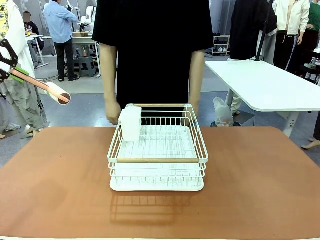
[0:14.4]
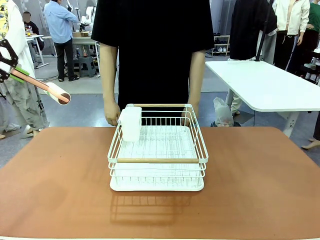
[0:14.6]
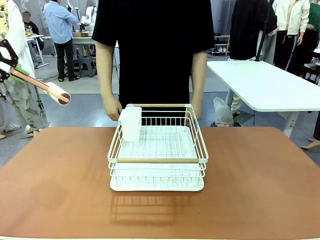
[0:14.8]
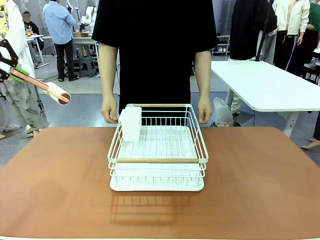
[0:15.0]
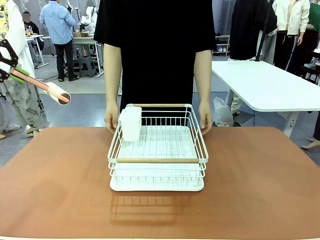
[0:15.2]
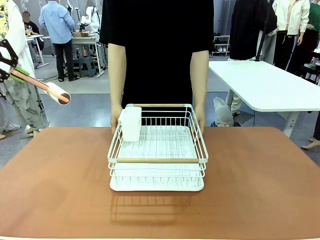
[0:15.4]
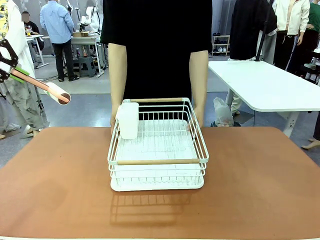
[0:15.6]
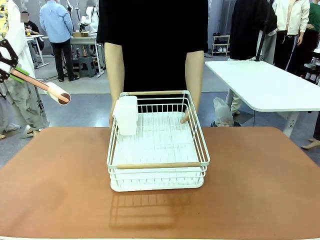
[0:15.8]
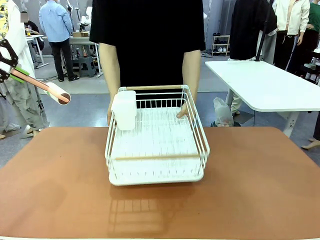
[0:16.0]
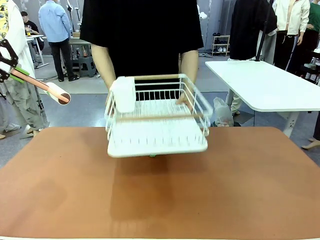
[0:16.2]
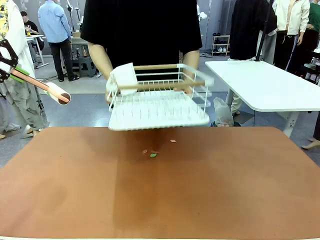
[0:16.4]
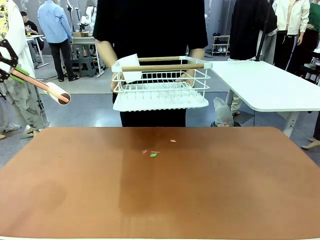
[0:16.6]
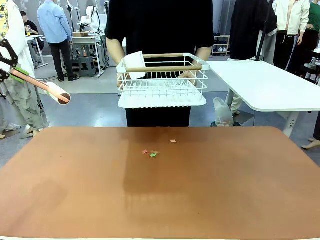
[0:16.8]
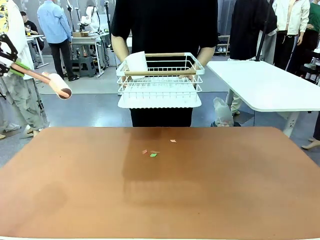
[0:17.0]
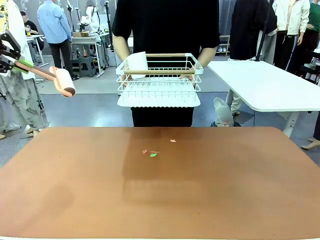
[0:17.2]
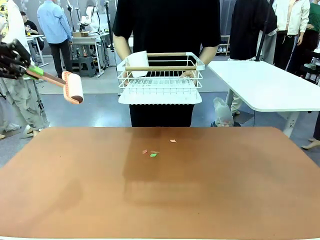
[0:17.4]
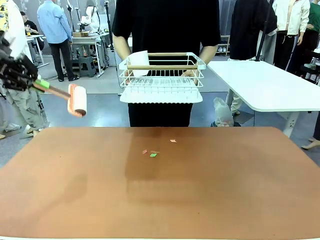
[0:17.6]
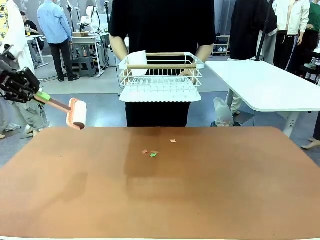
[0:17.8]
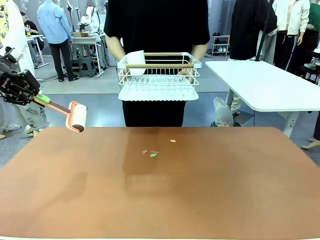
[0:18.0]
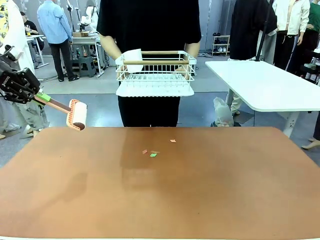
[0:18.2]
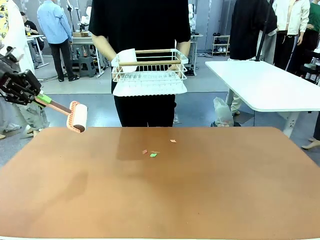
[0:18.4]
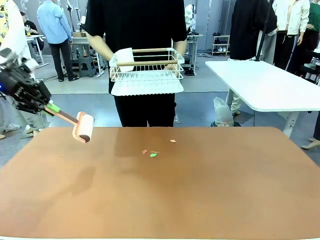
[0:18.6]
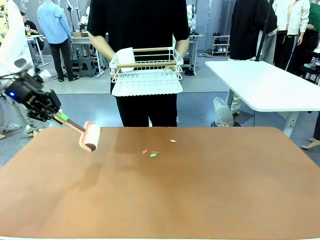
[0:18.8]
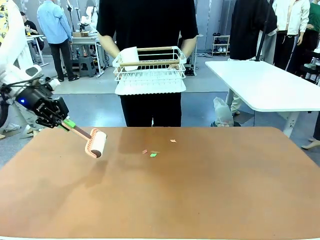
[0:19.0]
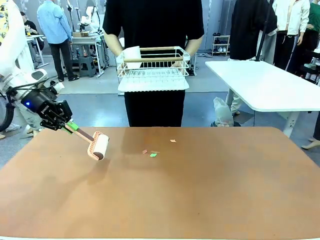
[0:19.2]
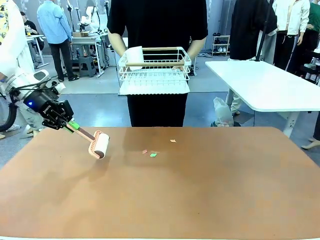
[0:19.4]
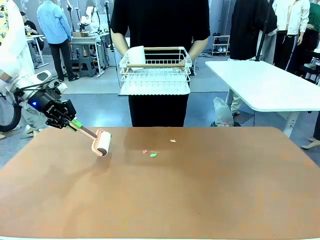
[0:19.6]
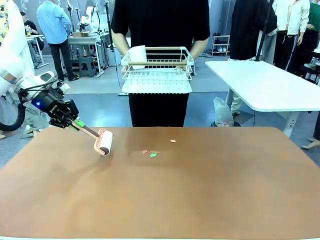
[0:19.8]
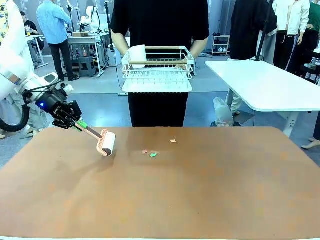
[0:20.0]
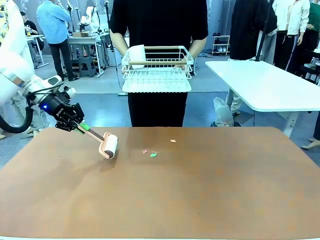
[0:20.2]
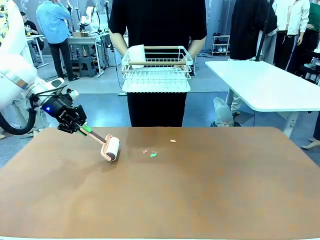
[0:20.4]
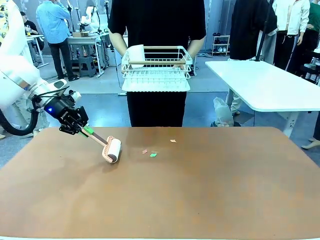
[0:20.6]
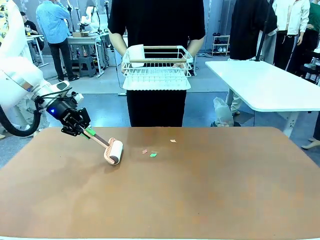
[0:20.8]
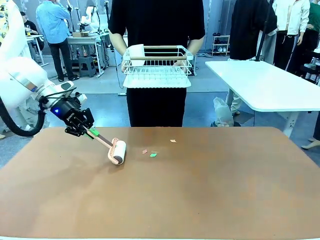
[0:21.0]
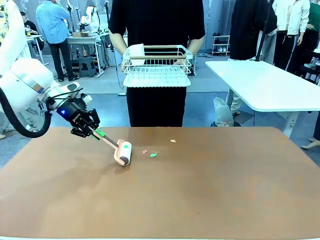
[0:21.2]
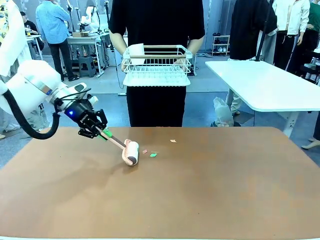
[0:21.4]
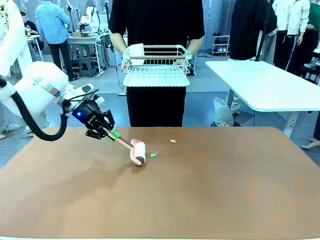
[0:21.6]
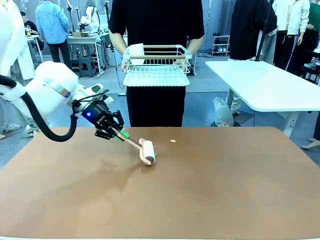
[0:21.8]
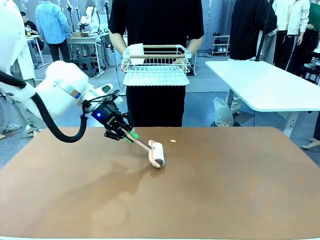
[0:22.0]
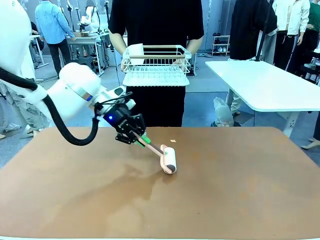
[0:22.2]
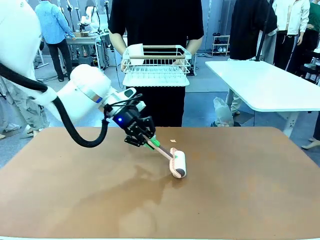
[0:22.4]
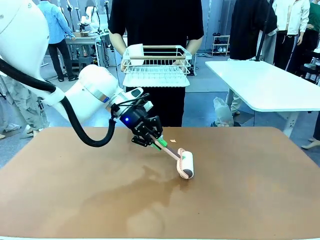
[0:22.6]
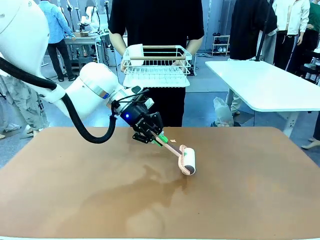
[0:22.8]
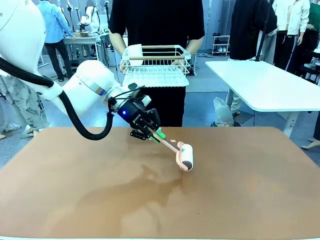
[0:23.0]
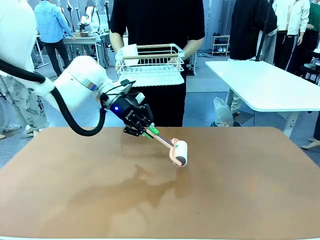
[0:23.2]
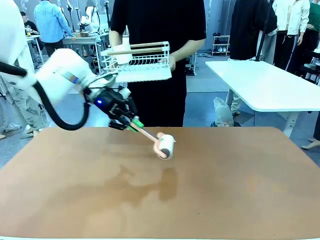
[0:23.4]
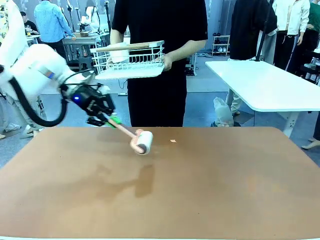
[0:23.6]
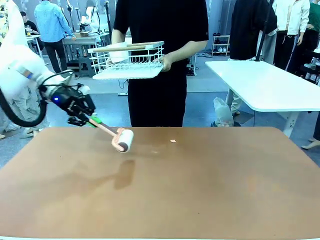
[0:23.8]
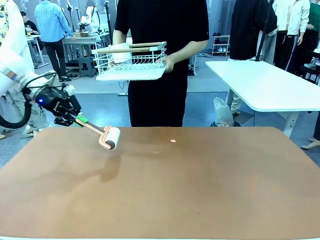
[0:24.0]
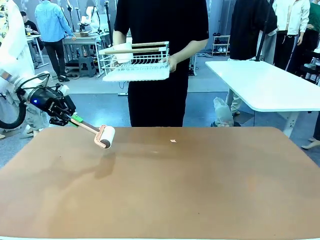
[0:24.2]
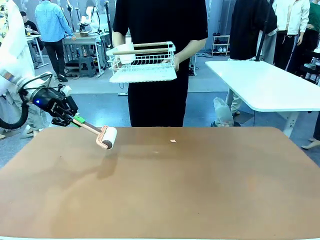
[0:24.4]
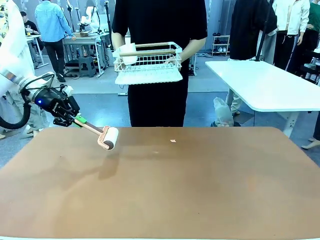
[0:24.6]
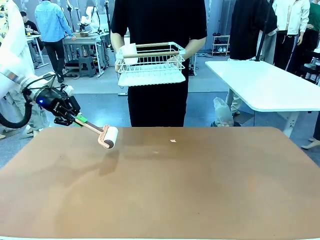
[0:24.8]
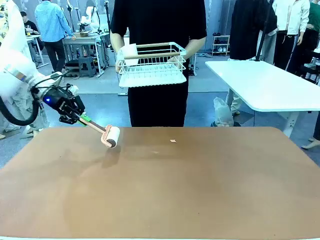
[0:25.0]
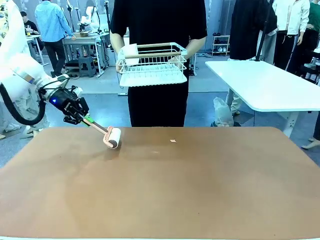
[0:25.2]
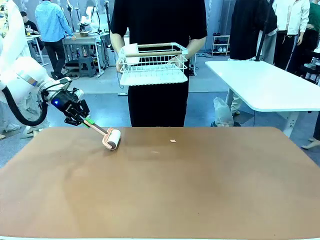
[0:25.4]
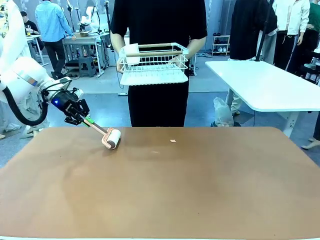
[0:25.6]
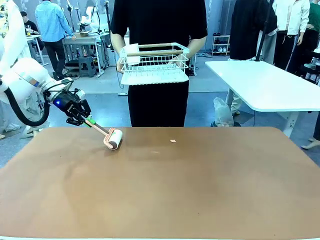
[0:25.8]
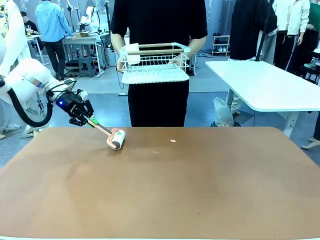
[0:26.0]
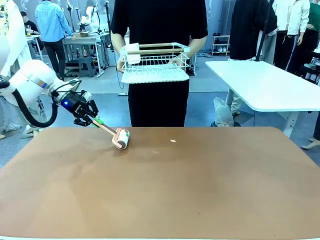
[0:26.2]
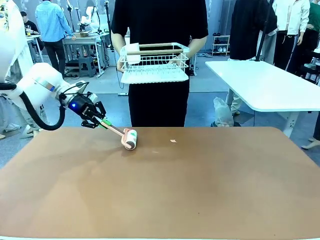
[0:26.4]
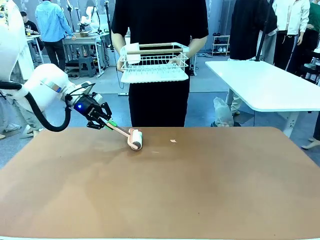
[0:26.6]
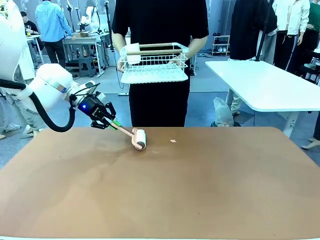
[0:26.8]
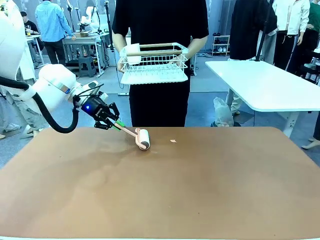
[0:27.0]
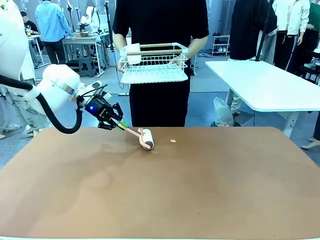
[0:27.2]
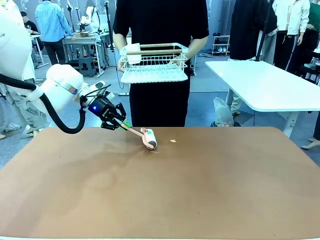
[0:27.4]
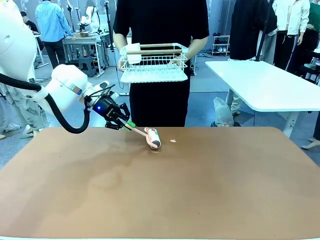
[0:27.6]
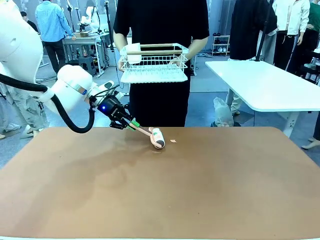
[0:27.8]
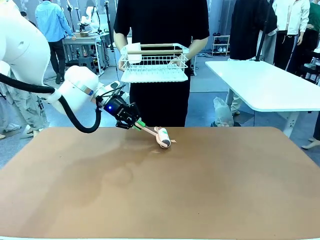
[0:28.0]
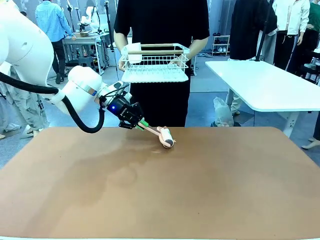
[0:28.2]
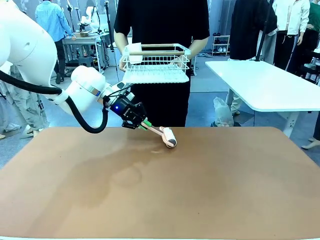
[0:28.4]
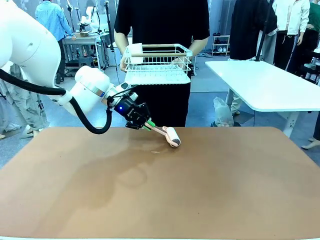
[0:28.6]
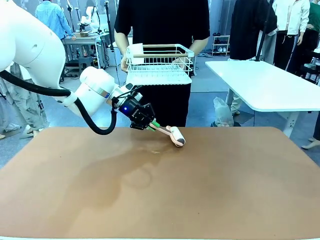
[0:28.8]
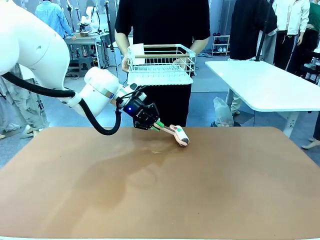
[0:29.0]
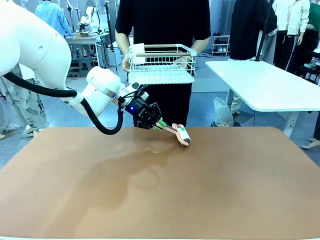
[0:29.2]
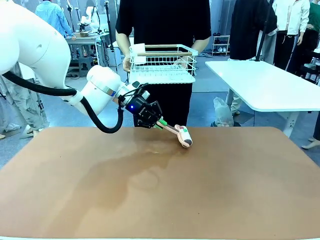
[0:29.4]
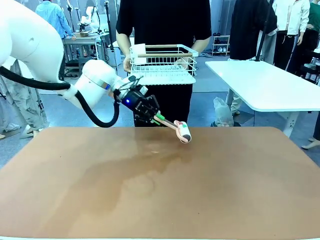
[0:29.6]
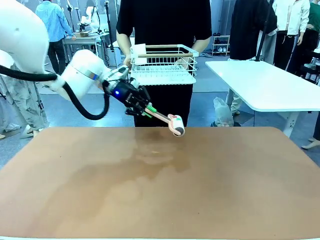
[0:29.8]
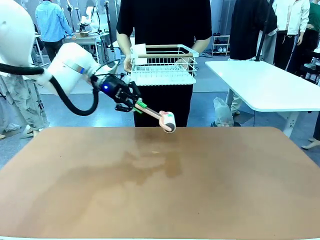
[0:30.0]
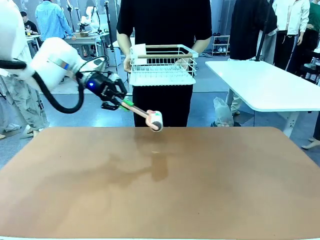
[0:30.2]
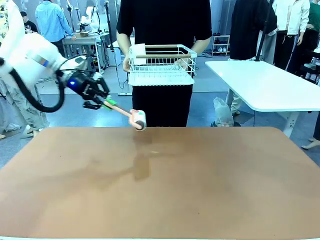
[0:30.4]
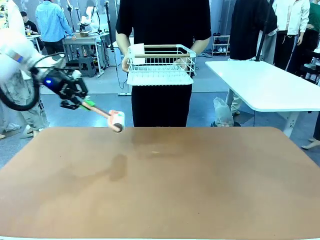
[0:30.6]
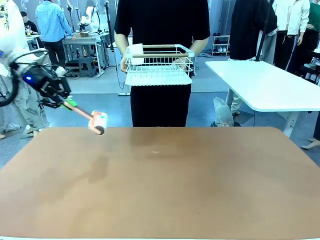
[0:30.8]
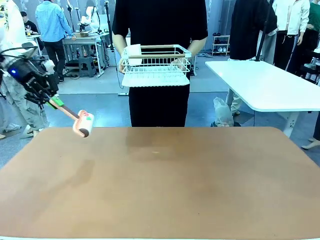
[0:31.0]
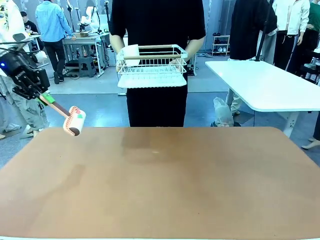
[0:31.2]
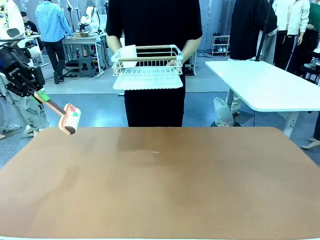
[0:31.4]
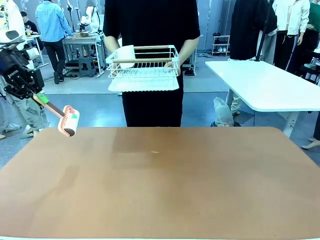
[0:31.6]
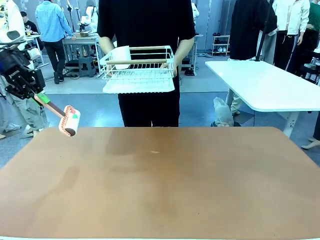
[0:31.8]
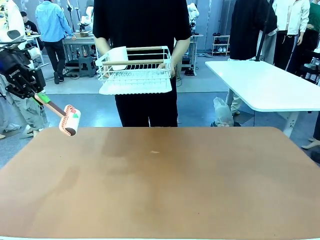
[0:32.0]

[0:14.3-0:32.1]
Task: Clean the table.
Robot: Clean the table with the Lint Roller when the human lifts the Dish drying rack.
Person: Place the Dish drying rack down when the robot finishes cleaning.

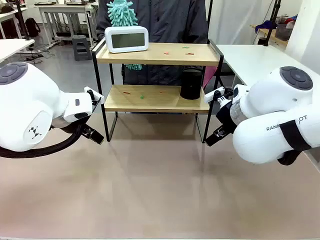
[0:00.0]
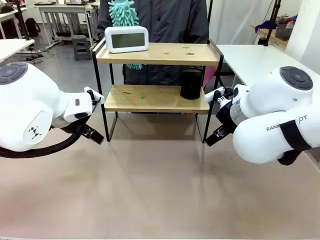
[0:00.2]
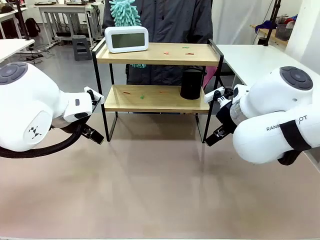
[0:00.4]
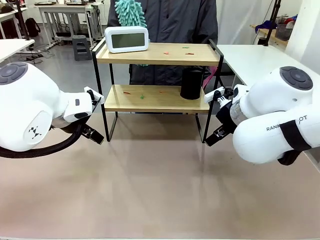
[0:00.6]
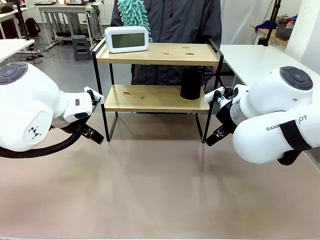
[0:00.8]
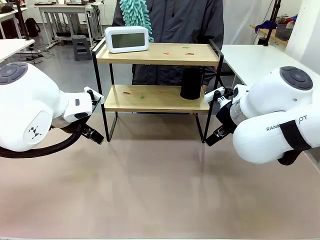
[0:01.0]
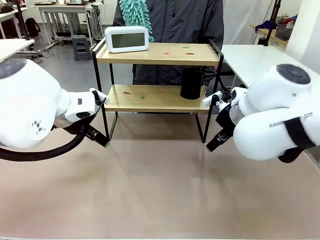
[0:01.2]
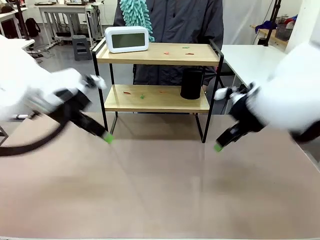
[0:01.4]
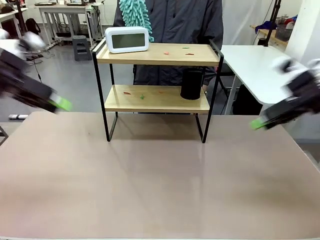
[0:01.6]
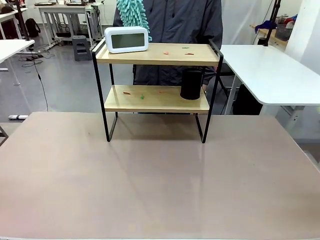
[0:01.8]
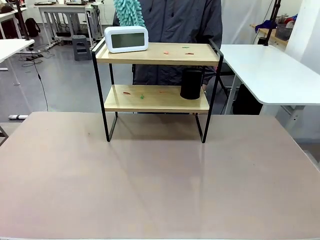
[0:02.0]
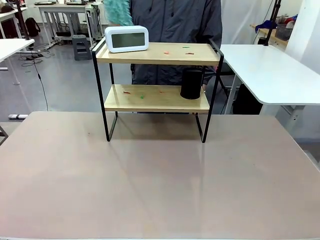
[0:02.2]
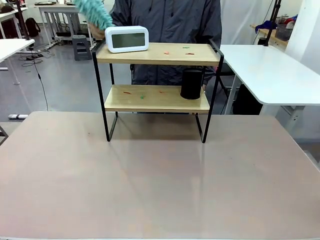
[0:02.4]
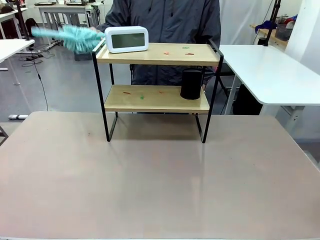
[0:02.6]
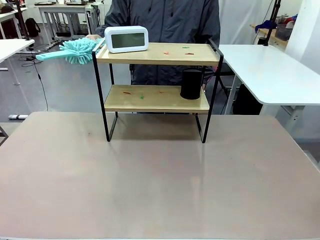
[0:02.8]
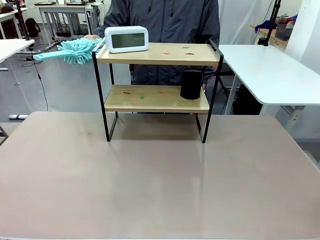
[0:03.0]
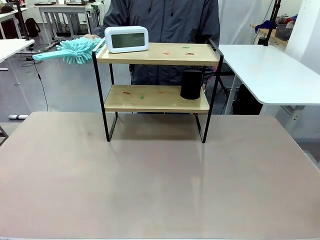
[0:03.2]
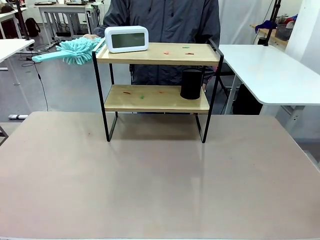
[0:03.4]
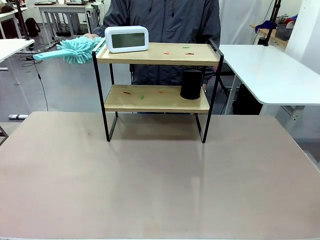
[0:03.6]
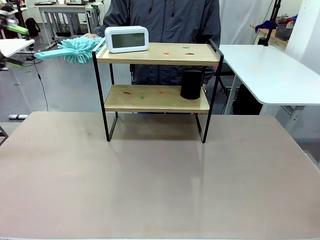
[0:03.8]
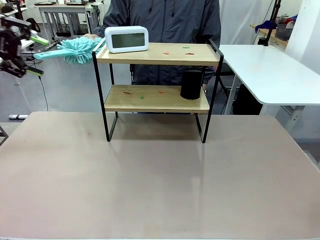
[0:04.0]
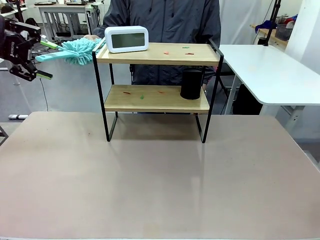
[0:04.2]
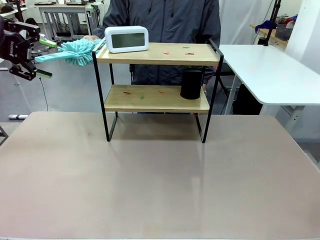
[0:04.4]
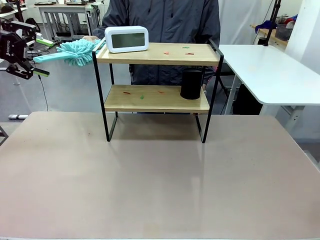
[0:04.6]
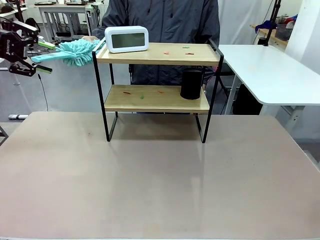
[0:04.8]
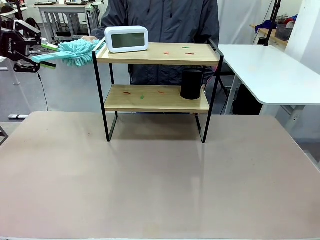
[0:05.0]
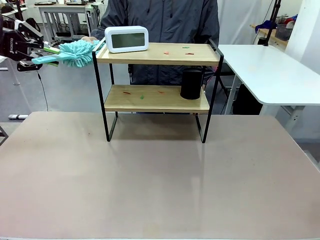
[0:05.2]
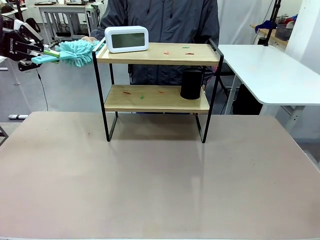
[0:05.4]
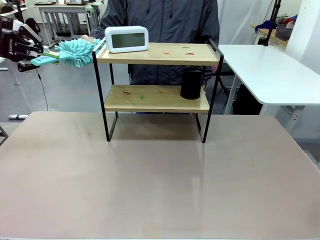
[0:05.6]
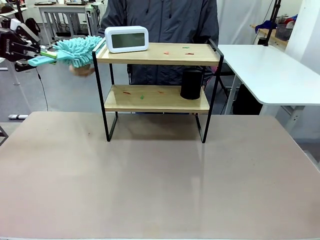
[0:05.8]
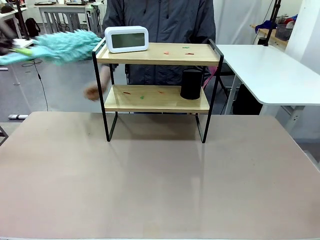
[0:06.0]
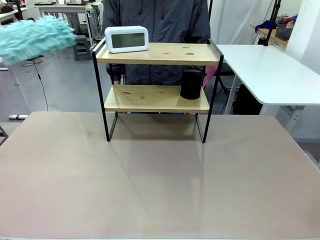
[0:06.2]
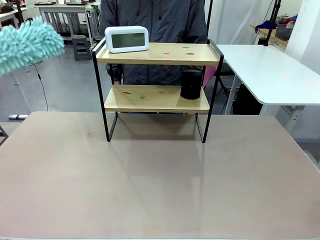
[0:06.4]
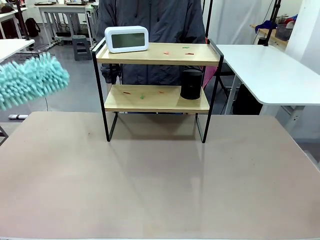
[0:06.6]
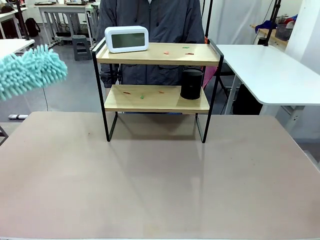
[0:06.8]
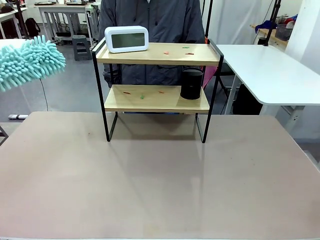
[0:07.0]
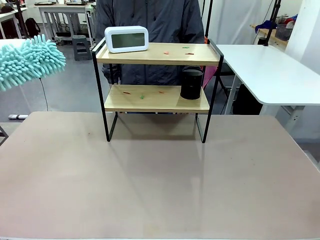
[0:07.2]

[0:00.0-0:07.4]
Task: Clean the shelf.
Robot: Pick up the Duster from the human.
Person: Hand the Duster to the robot.
